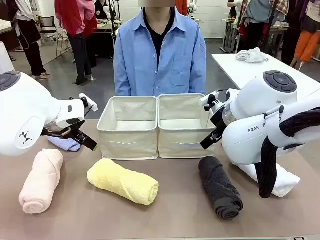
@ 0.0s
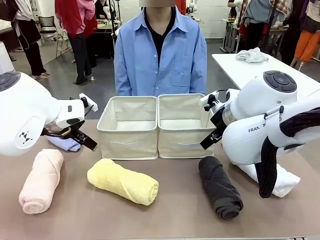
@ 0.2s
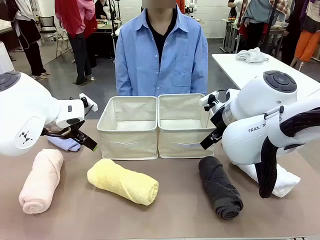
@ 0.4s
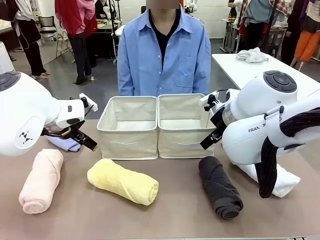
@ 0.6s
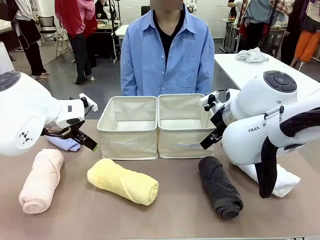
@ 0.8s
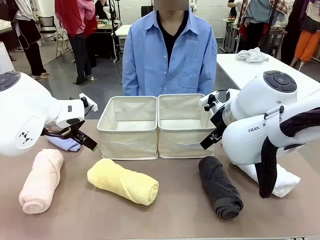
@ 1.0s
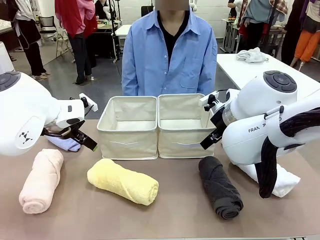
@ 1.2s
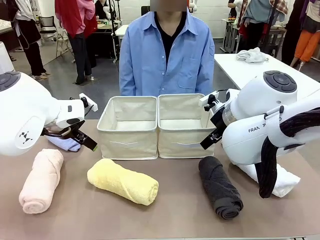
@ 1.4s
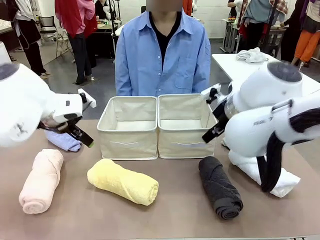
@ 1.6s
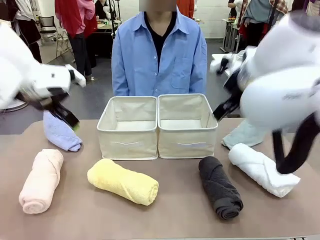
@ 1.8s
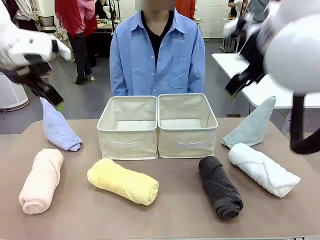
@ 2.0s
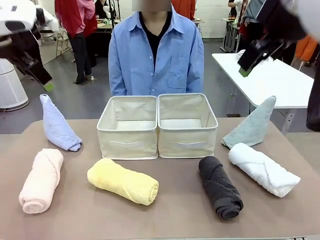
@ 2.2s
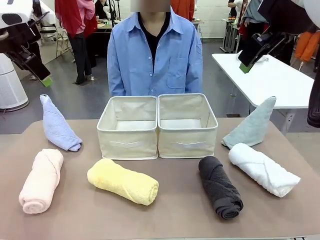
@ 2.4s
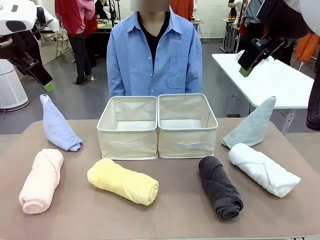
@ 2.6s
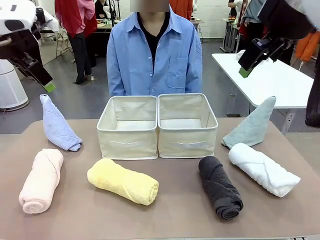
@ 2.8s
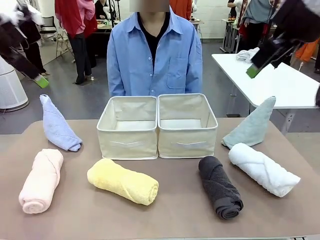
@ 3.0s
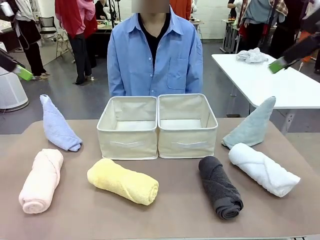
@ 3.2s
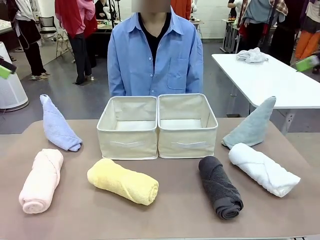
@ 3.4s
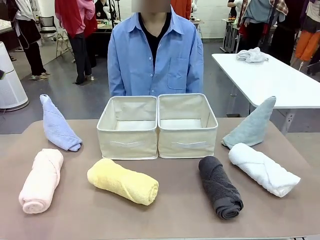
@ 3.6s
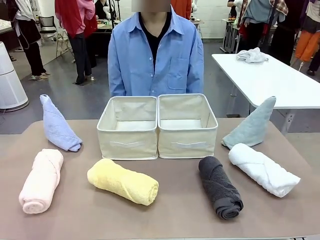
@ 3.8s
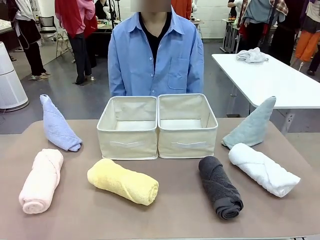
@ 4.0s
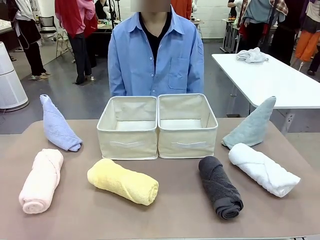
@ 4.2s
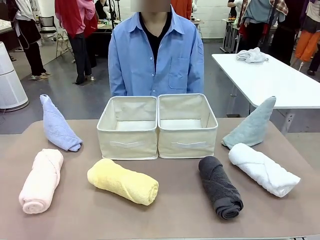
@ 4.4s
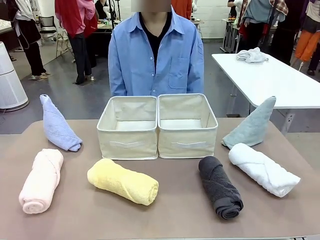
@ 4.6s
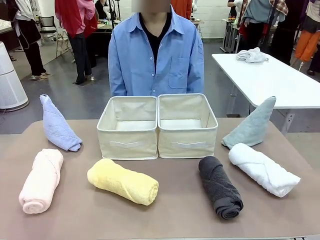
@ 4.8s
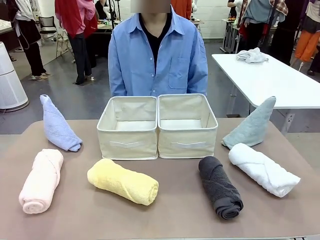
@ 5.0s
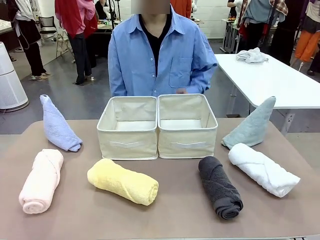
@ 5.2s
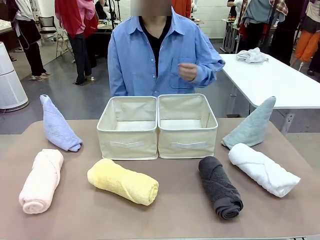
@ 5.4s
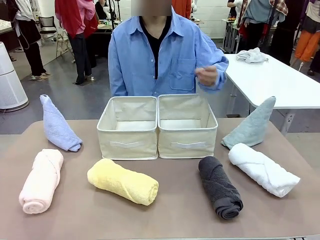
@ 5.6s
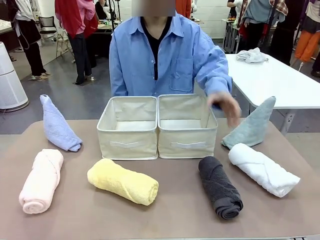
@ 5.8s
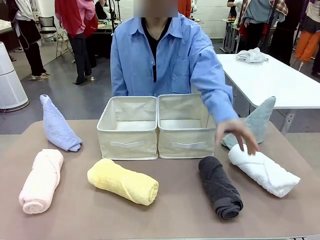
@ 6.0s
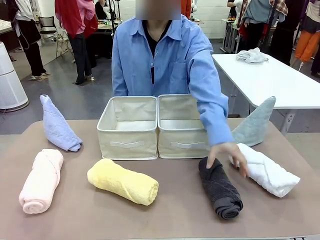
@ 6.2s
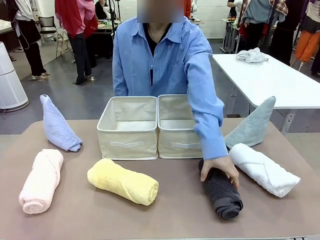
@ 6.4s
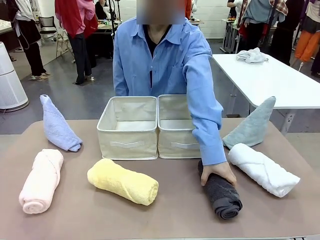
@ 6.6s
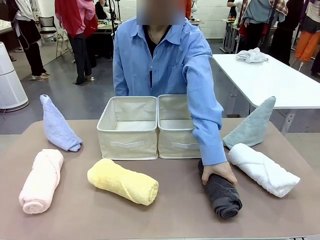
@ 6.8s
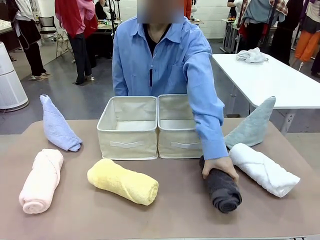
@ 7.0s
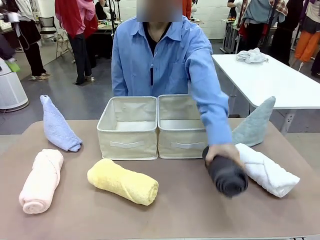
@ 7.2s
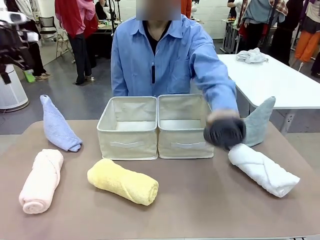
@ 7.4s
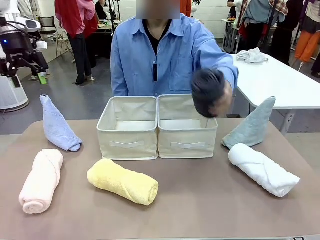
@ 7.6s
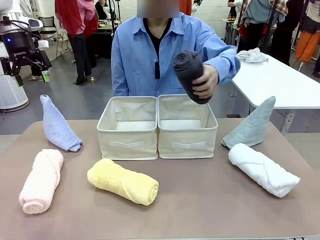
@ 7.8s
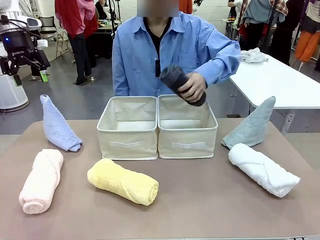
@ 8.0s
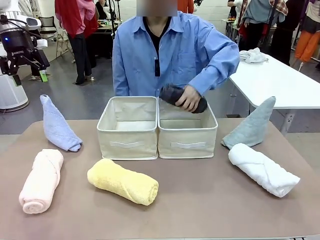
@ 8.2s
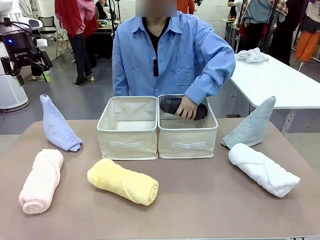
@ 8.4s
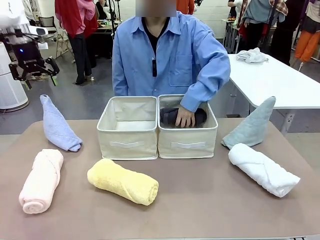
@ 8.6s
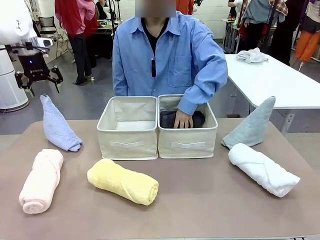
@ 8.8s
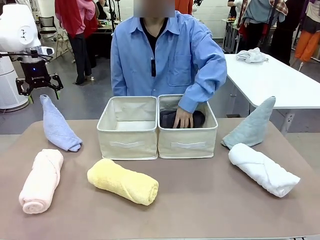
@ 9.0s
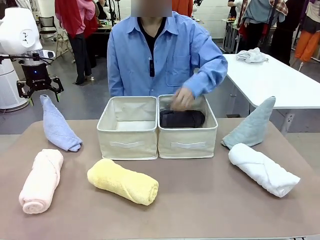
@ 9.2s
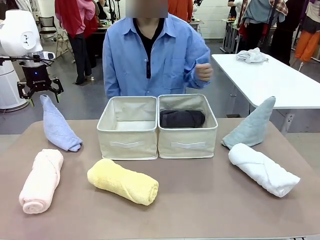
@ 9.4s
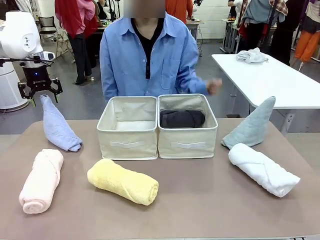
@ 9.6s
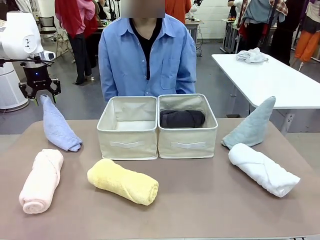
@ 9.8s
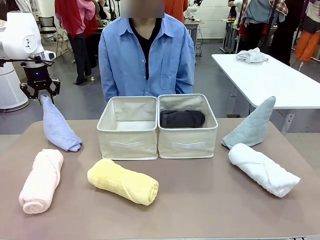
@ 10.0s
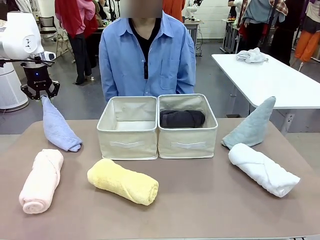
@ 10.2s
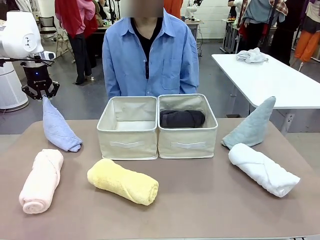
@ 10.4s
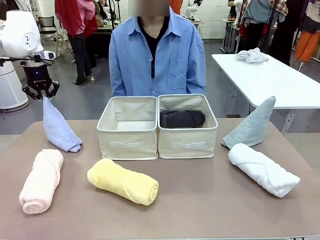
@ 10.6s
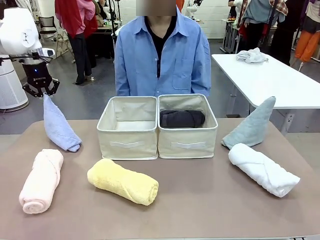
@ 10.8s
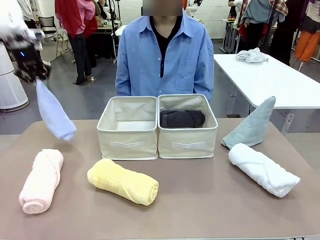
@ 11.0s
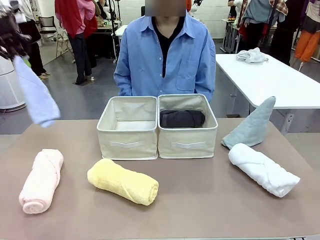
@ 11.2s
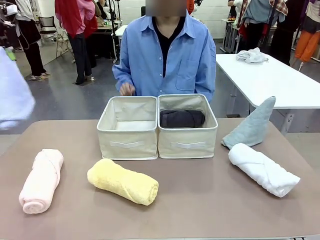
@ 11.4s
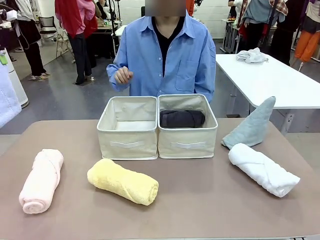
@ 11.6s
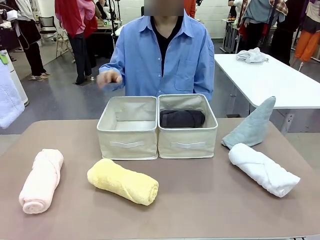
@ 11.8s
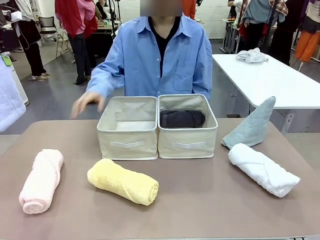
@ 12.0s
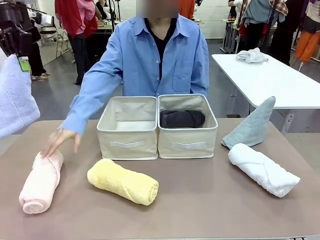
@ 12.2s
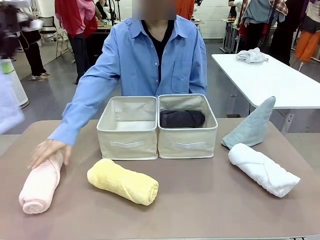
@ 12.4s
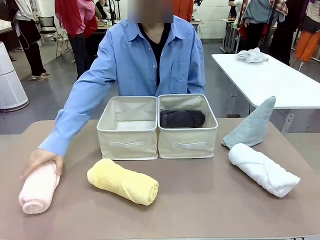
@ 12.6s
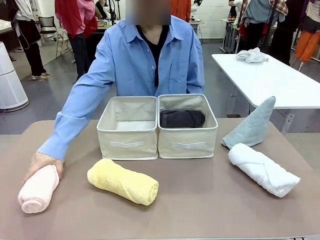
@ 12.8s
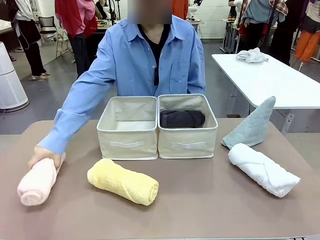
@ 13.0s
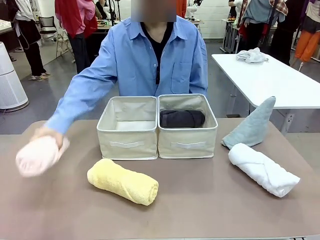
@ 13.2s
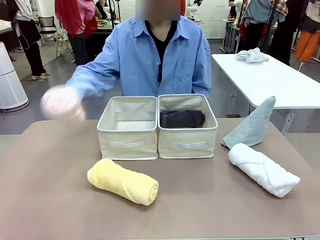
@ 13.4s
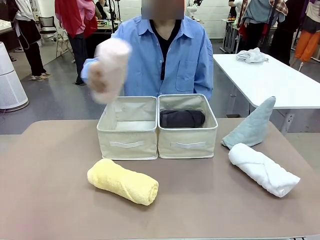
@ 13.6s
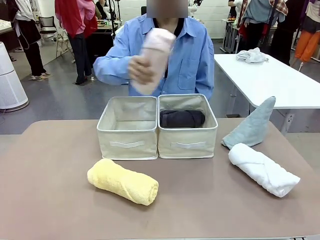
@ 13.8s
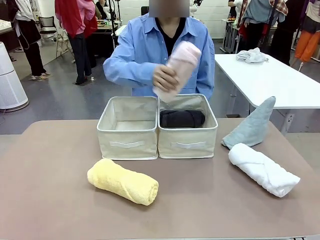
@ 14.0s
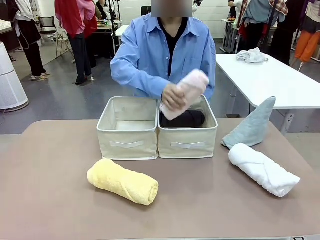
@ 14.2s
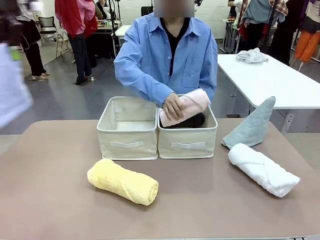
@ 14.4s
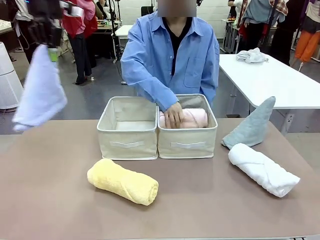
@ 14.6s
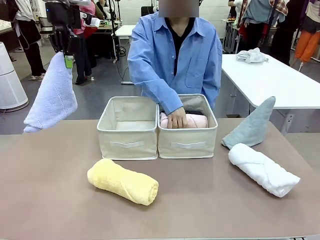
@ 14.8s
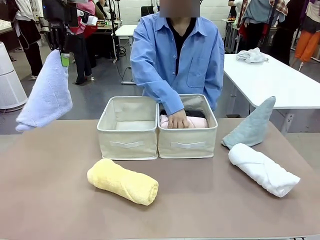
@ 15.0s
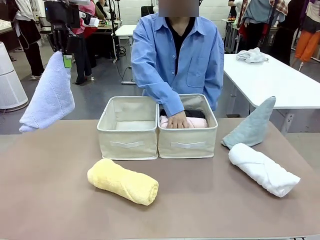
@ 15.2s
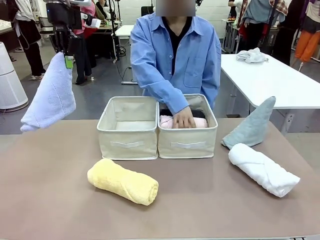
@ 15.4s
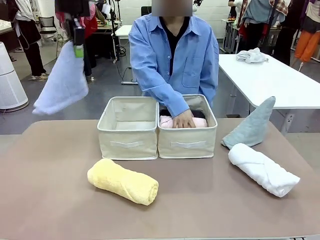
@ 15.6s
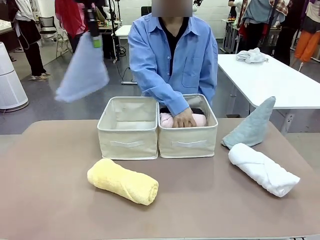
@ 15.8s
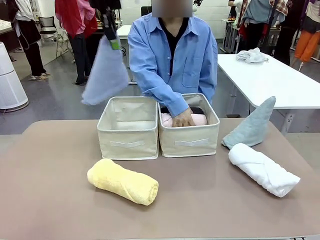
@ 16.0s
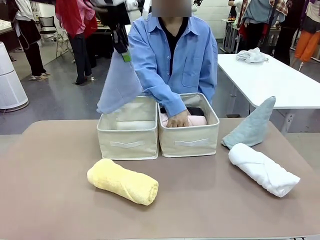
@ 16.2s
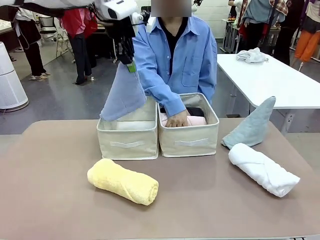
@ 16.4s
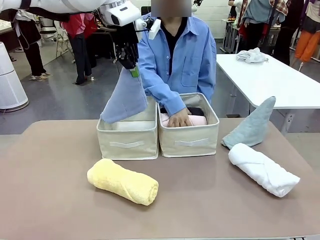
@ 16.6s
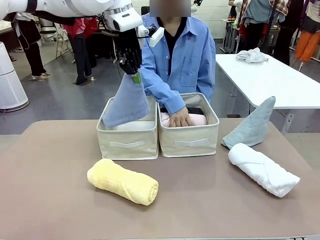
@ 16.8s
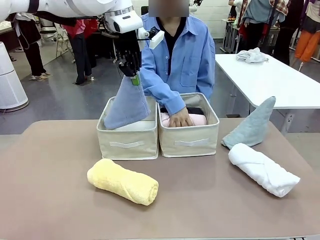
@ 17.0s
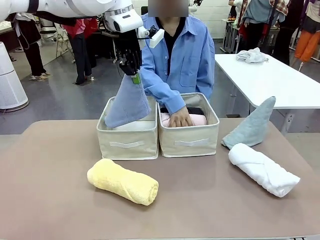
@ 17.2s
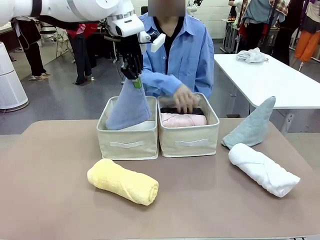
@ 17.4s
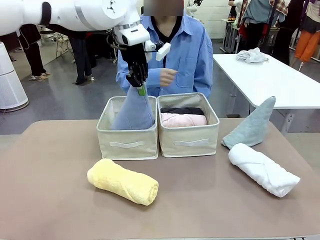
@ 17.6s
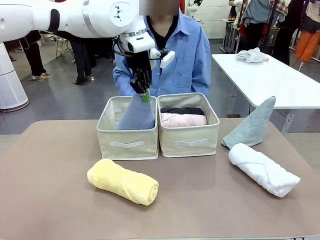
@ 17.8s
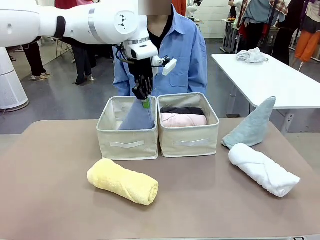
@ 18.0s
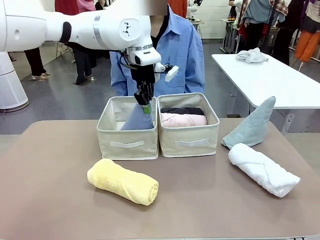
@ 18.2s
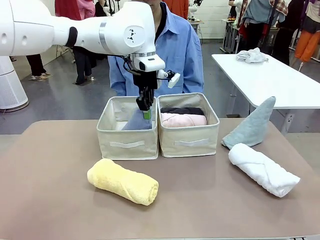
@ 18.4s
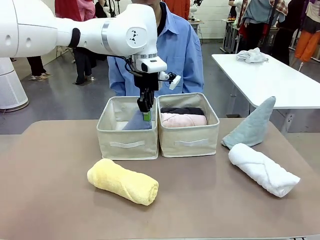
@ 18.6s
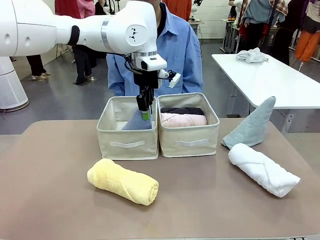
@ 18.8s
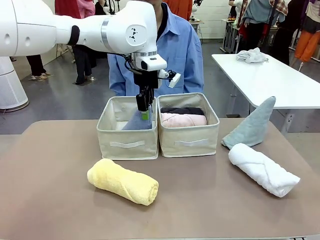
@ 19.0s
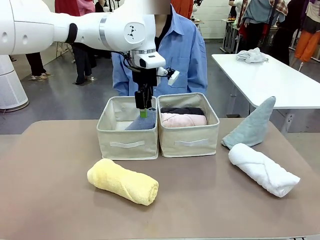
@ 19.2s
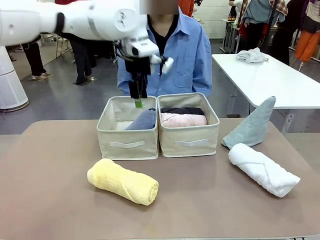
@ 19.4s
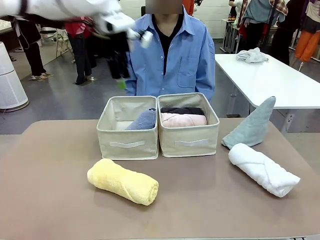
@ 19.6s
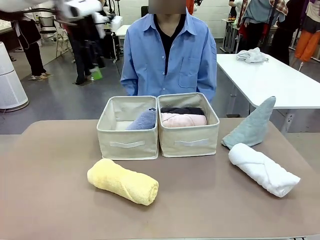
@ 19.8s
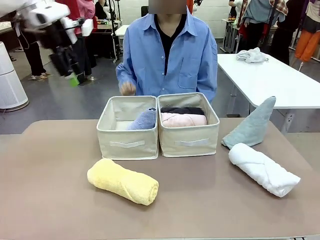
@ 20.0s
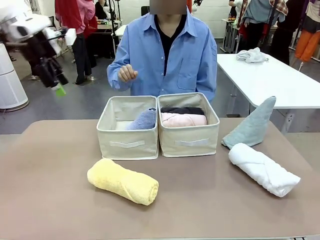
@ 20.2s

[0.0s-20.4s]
Task: Sort the towels based on their folding style.
Robot: Pick up one triangle-folded towel and place it in the left Fabric basket.
Person: Pick up one hotel-style rolled towel and place it in the left fabric basket.
